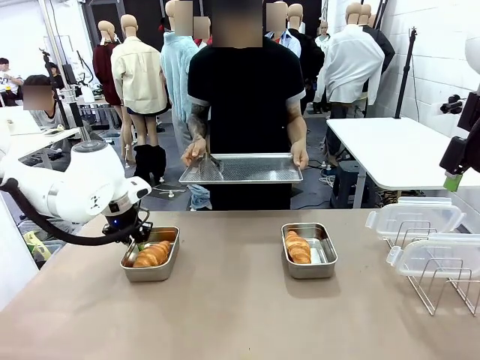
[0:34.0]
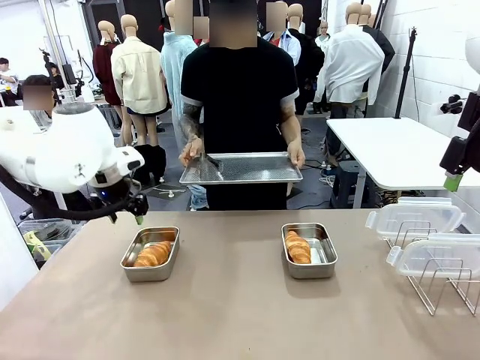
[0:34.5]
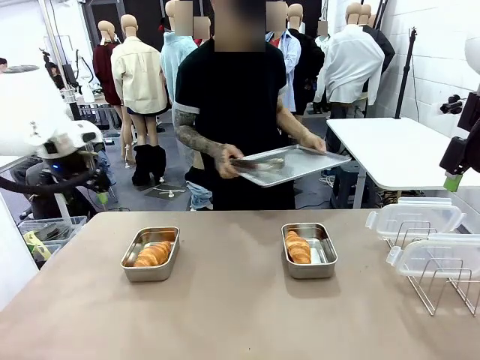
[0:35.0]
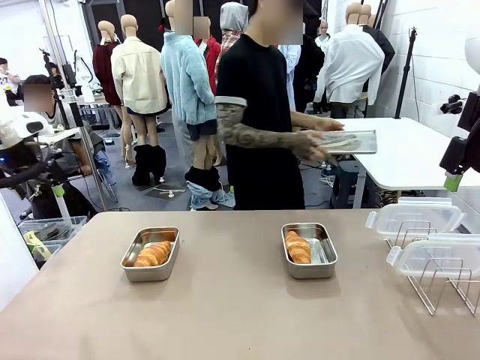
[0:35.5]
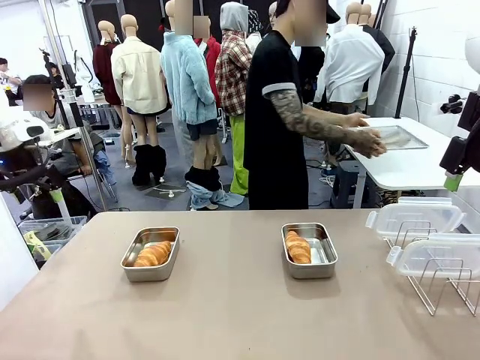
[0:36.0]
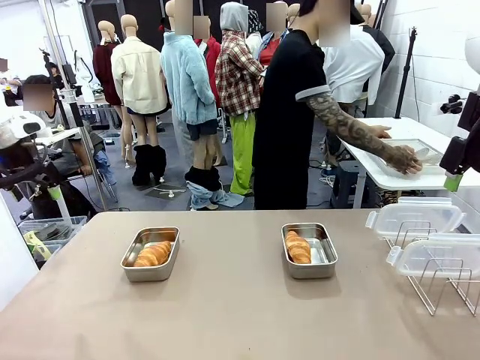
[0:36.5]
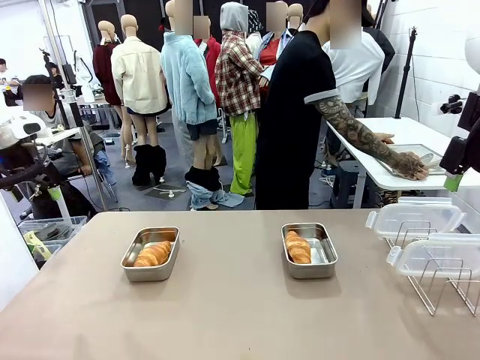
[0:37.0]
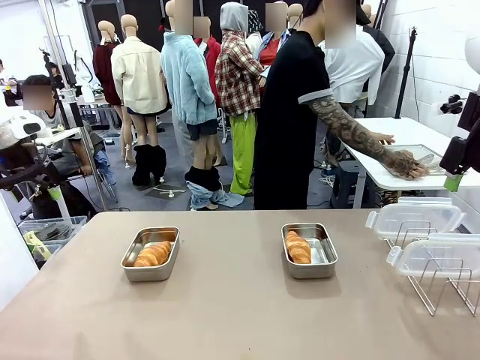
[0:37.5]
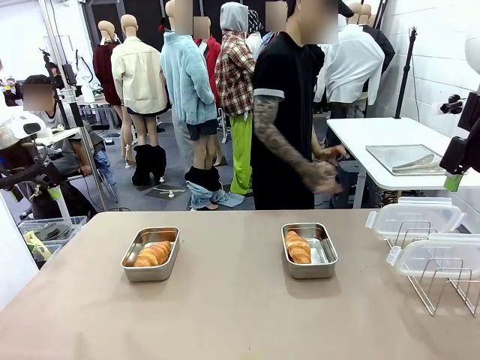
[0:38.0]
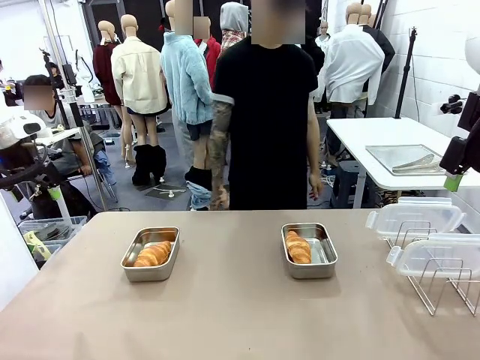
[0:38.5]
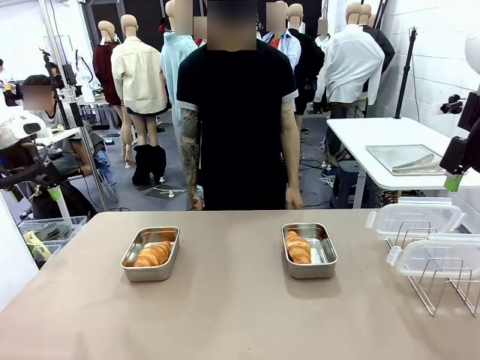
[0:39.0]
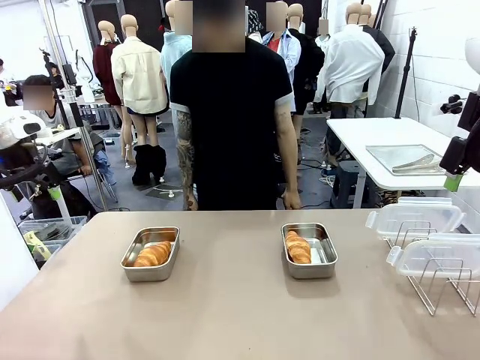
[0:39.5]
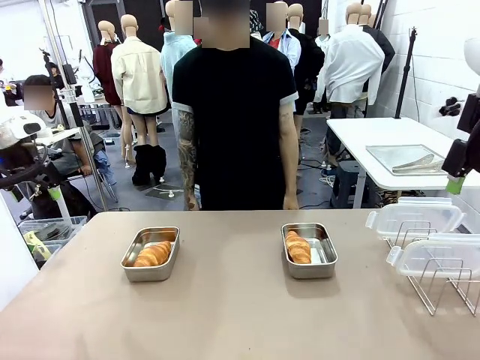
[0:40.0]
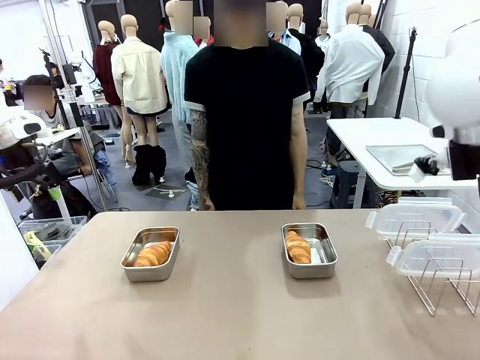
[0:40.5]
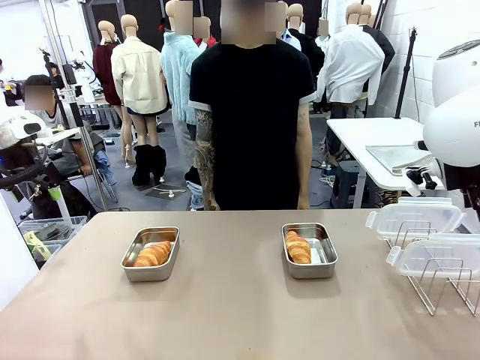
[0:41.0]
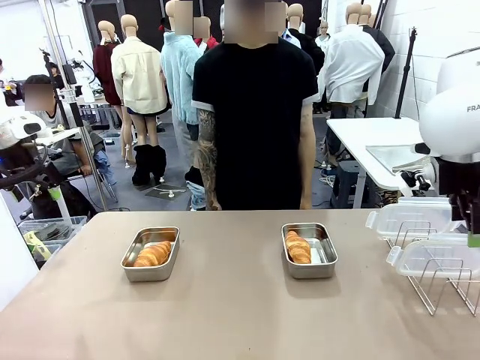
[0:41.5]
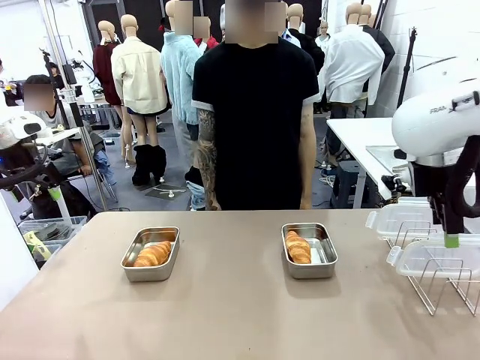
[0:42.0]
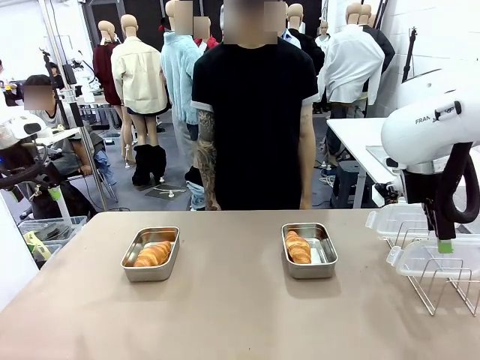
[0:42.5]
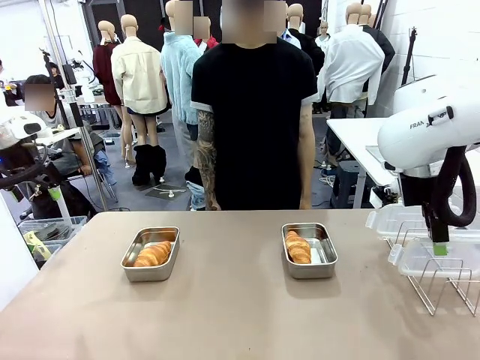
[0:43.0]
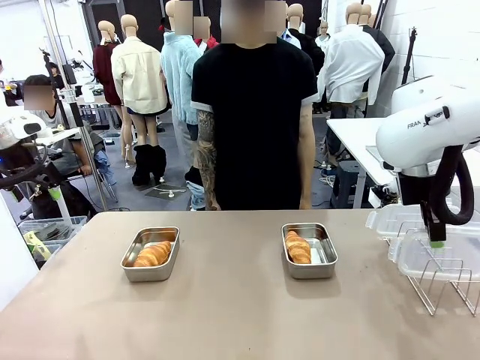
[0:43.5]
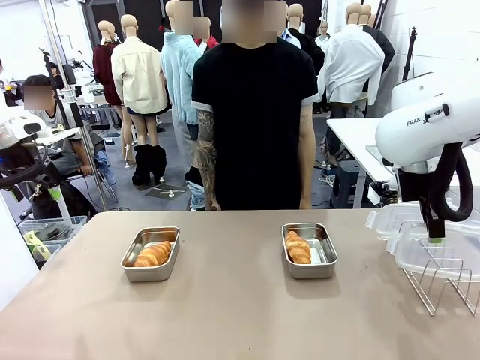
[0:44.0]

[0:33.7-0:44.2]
Task: Place the bread in airtight containers.
Robot: Pick up one Airtight Container lid and hand it to the human.
Person: Place Baking Sheet on the Human's Table. Grip Airtight Container lid that robot is handing.

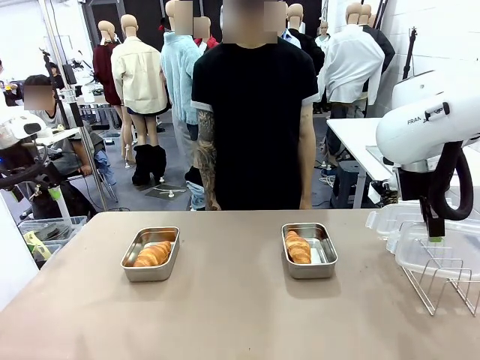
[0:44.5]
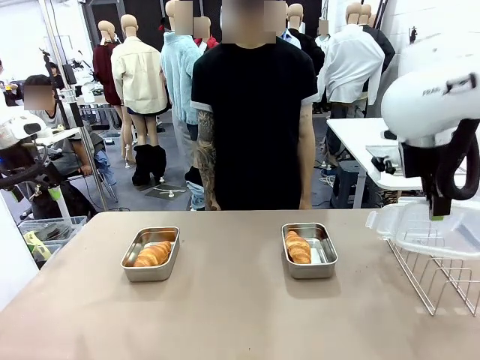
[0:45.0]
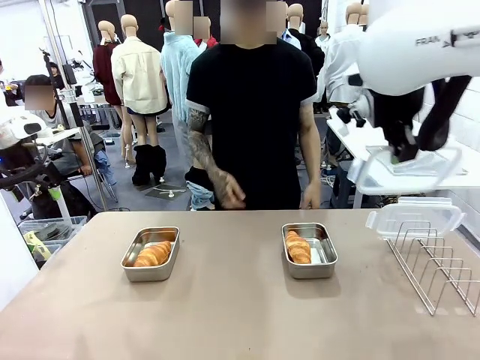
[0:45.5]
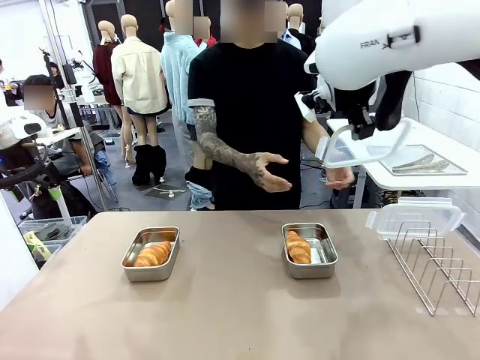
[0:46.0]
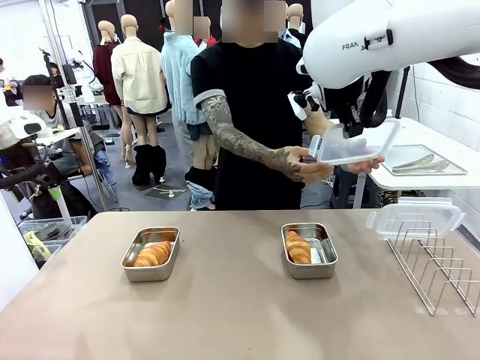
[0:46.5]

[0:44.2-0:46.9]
Robot: Release when the human grabs the Airtight Container lid.

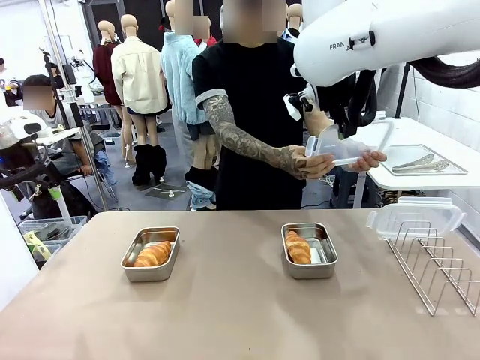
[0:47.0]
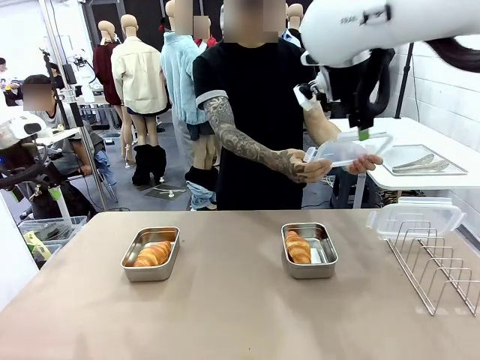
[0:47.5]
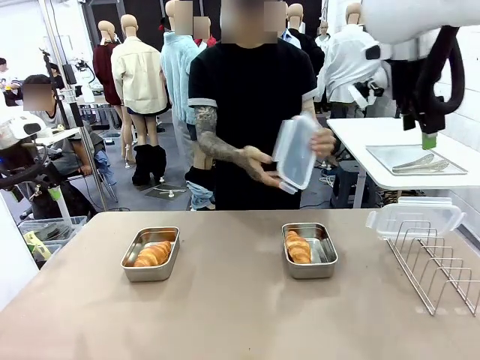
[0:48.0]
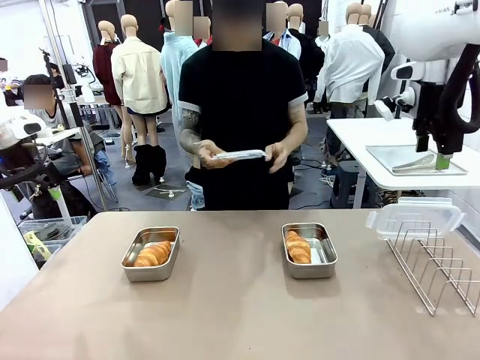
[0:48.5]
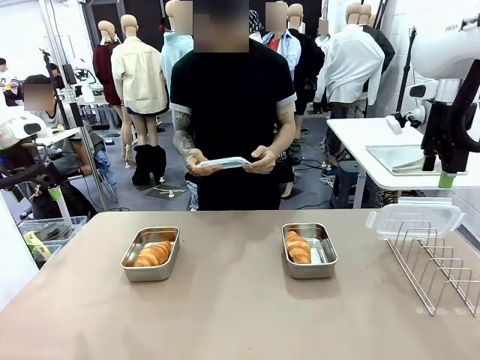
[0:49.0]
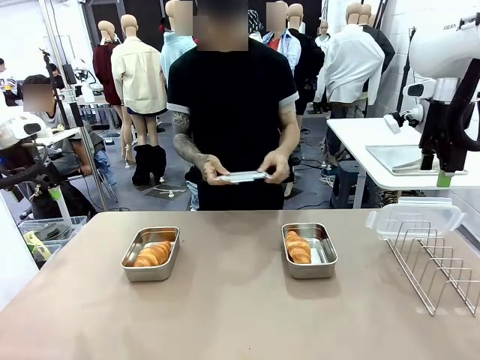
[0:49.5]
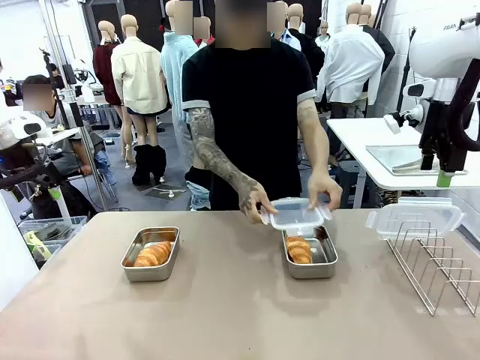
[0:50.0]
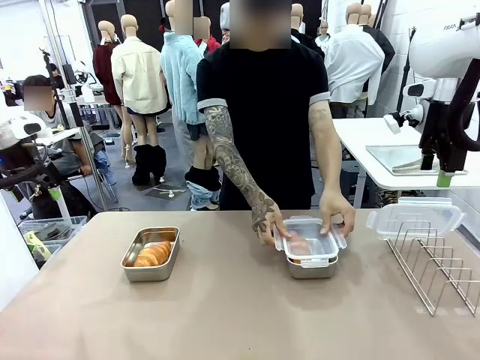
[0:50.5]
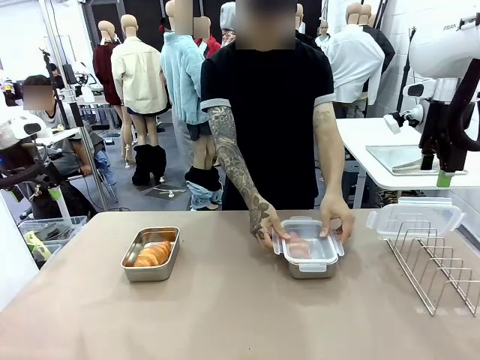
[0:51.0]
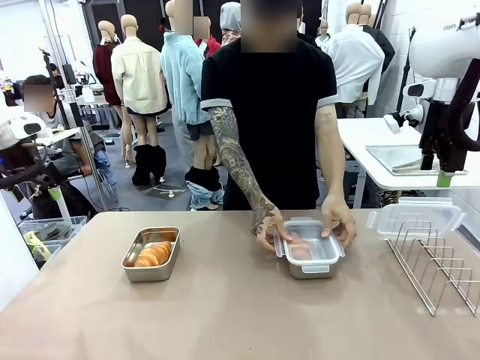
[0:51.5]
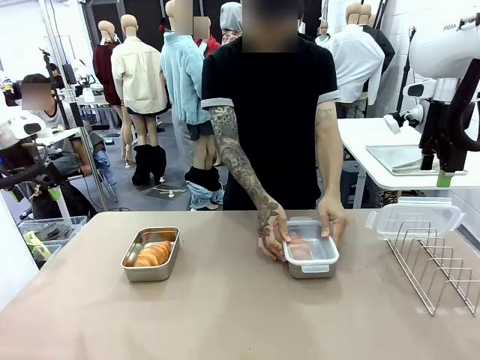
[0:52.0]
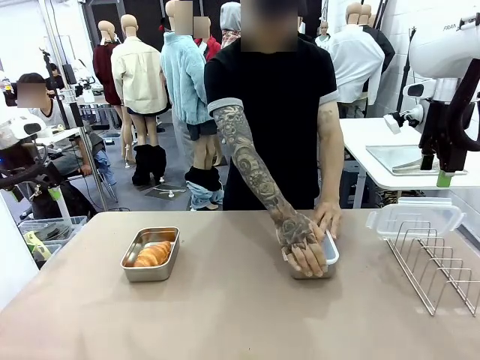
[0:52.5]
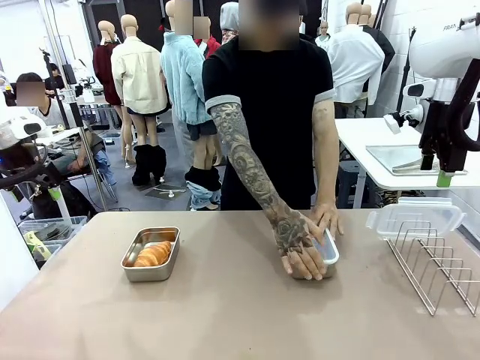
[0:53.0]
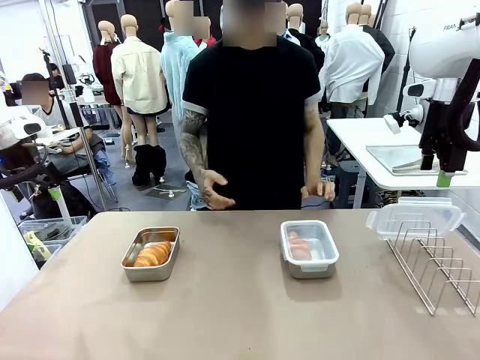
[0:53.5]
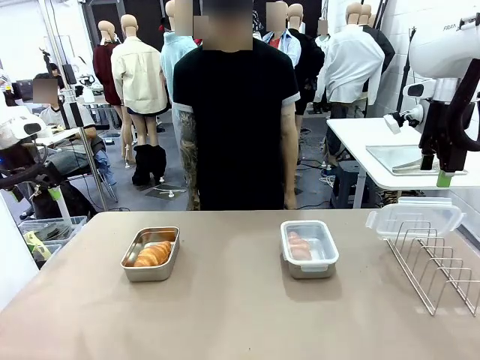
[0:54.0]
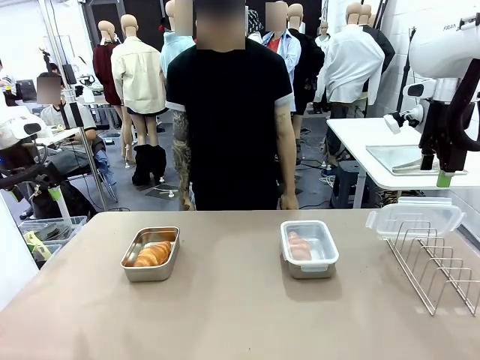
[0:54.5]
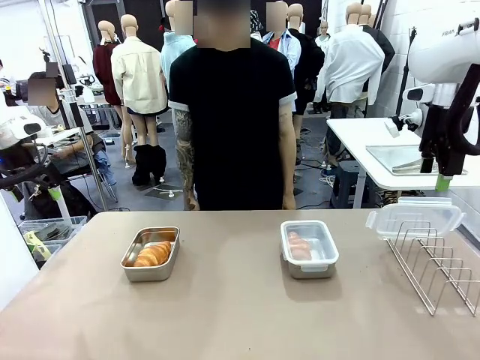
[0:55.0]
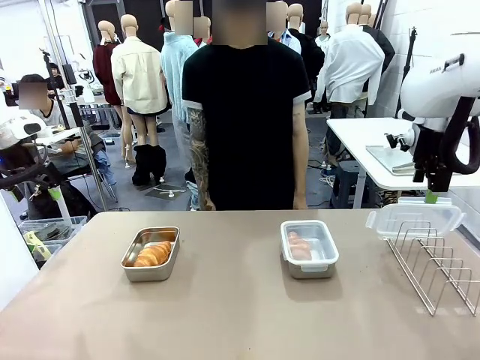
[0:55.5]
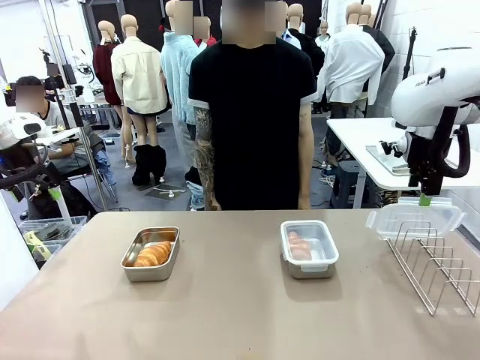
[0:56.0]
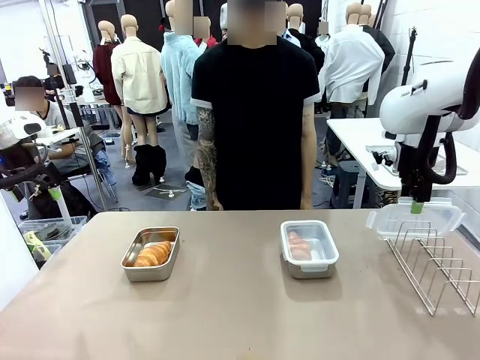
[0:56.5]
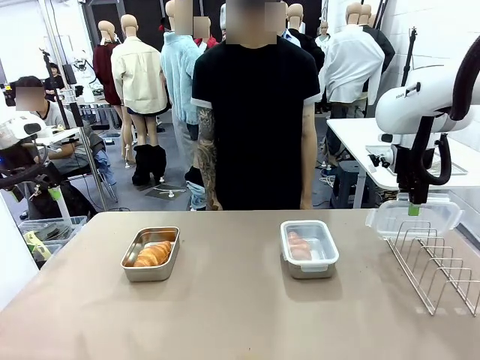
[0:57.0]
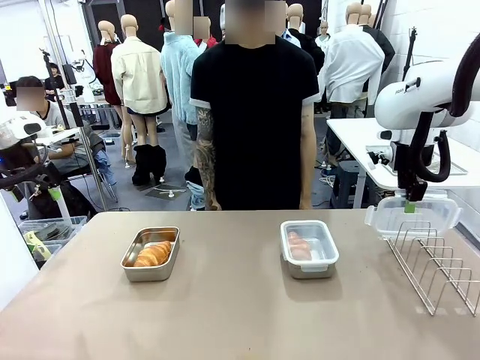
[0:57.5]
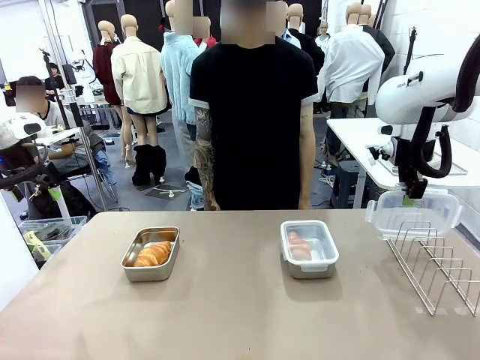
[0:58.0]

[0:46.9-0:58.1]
Robot: Pick up one Airtight Container lid and hand it to the human.
Person: Close Airtight Container with a handed Airtight Container lid.
